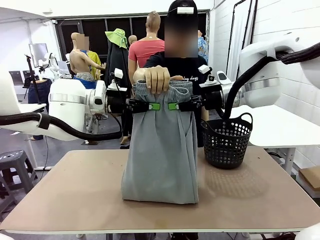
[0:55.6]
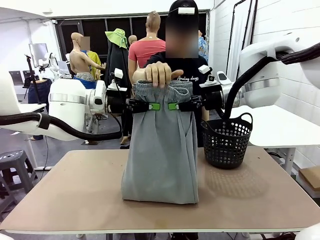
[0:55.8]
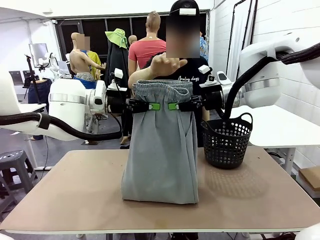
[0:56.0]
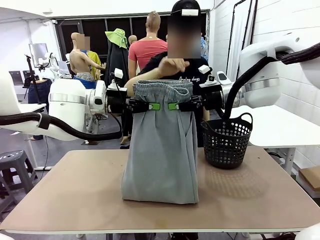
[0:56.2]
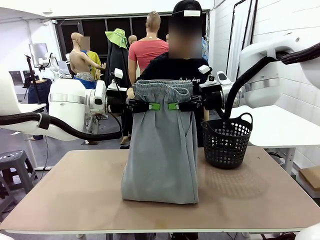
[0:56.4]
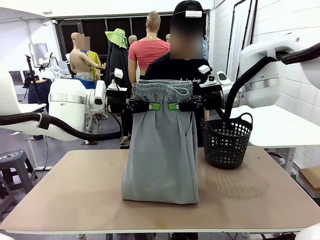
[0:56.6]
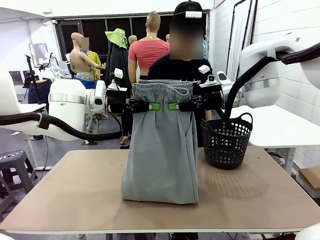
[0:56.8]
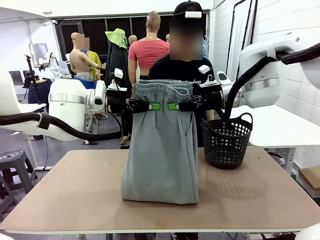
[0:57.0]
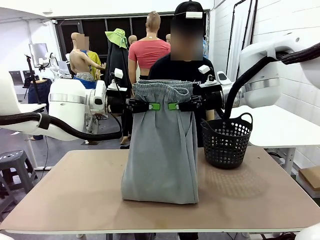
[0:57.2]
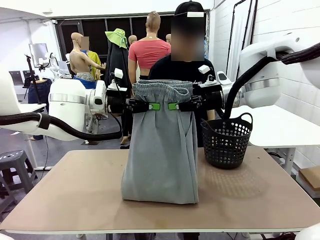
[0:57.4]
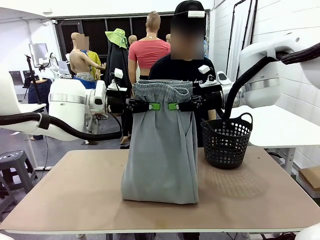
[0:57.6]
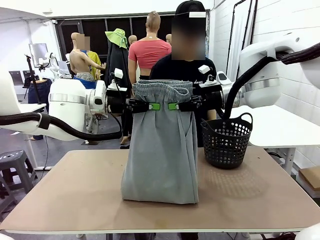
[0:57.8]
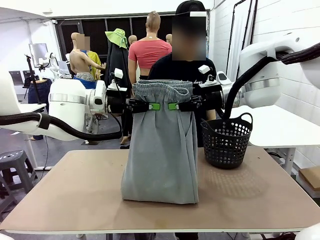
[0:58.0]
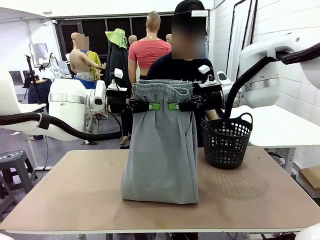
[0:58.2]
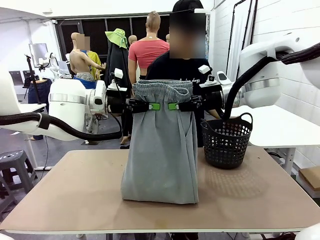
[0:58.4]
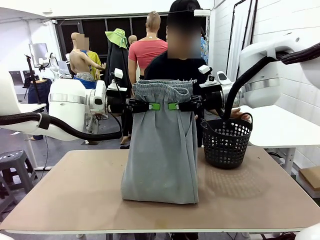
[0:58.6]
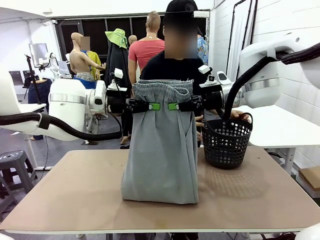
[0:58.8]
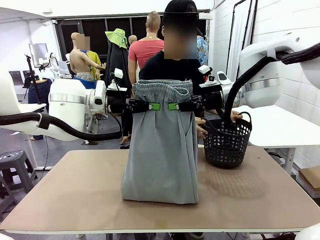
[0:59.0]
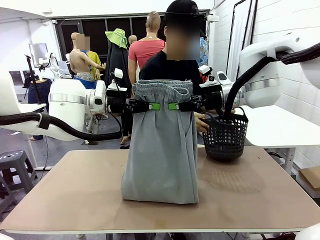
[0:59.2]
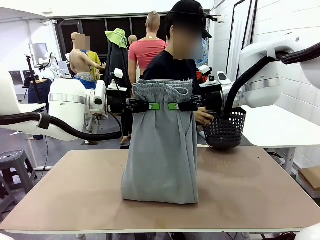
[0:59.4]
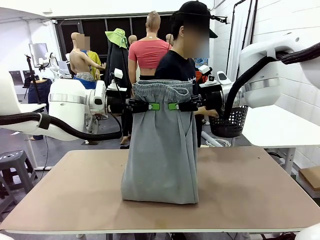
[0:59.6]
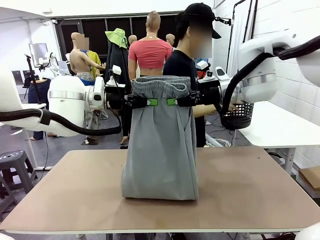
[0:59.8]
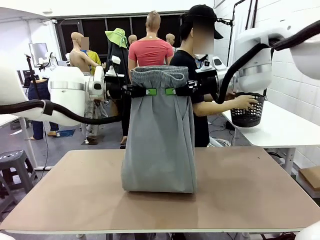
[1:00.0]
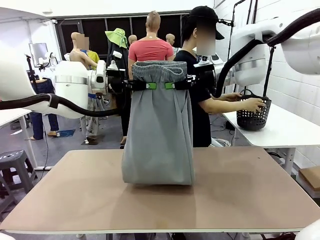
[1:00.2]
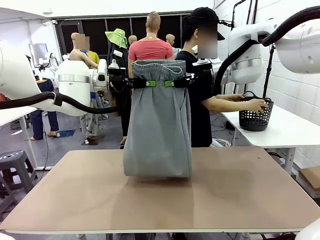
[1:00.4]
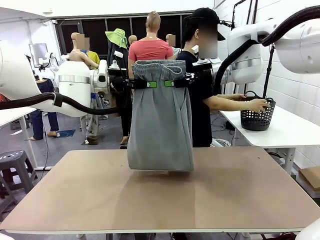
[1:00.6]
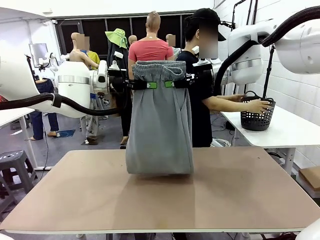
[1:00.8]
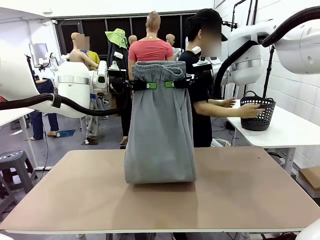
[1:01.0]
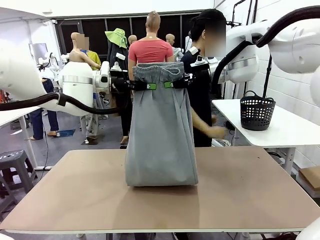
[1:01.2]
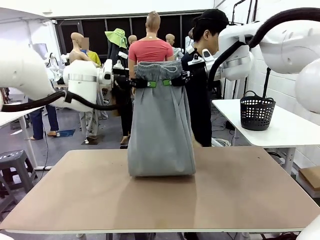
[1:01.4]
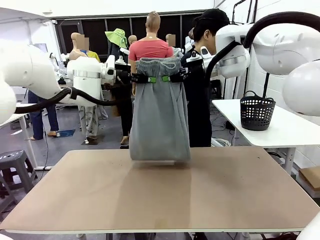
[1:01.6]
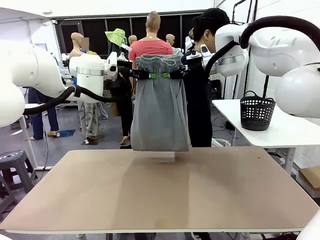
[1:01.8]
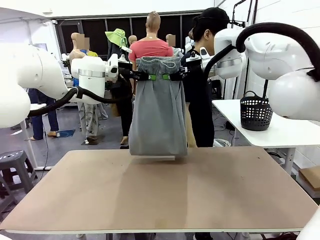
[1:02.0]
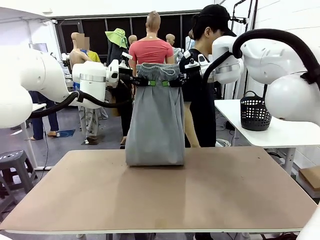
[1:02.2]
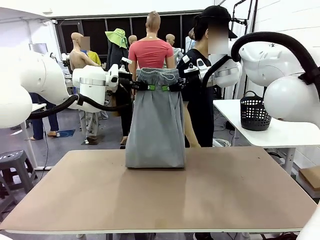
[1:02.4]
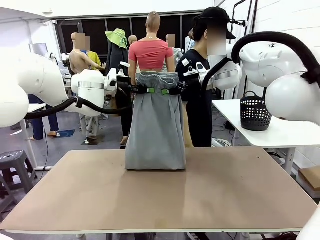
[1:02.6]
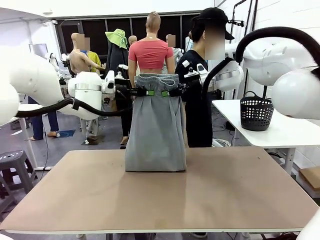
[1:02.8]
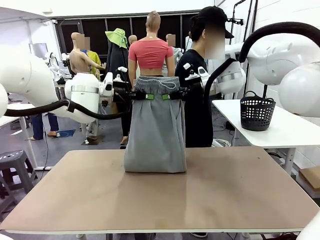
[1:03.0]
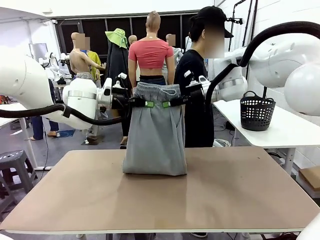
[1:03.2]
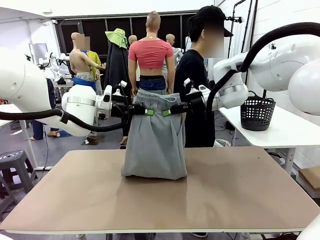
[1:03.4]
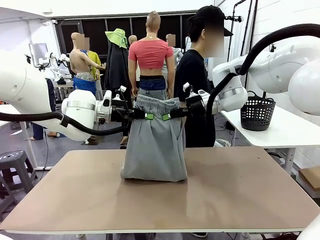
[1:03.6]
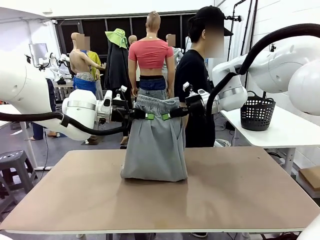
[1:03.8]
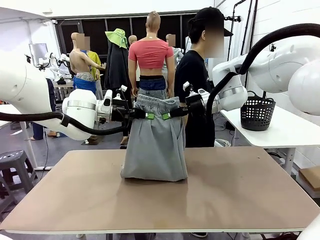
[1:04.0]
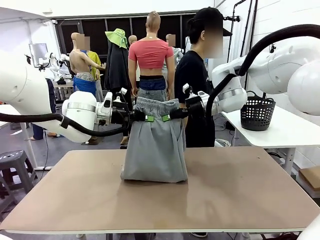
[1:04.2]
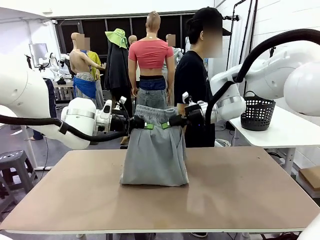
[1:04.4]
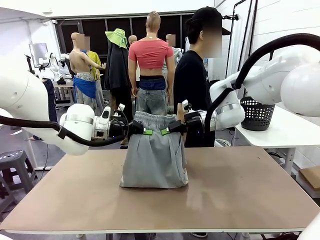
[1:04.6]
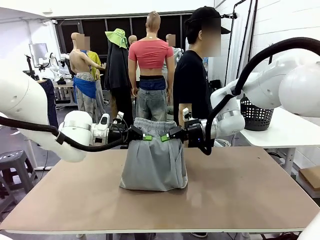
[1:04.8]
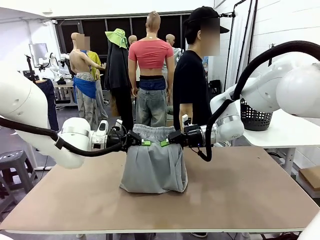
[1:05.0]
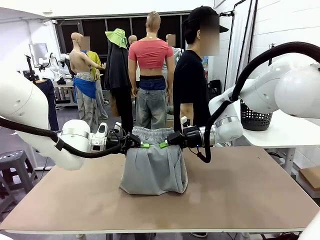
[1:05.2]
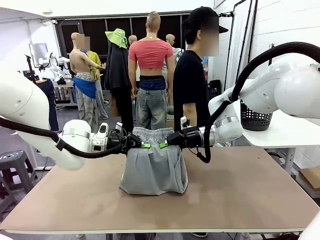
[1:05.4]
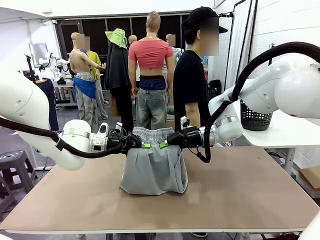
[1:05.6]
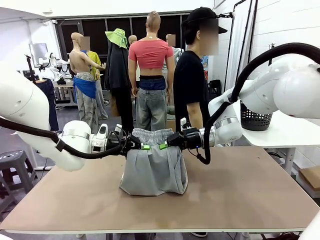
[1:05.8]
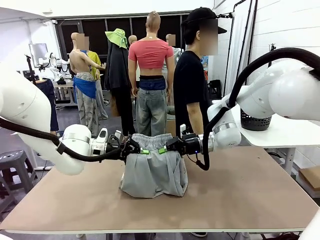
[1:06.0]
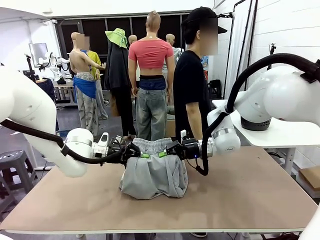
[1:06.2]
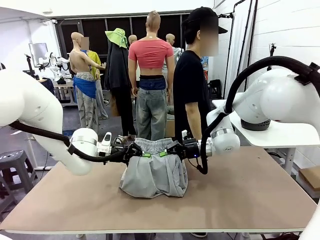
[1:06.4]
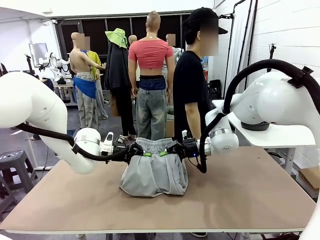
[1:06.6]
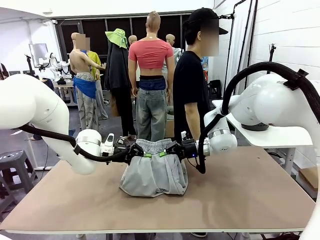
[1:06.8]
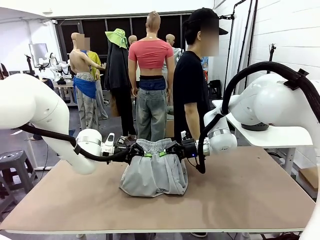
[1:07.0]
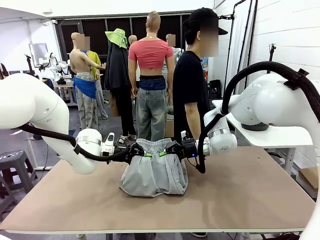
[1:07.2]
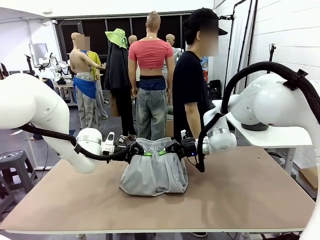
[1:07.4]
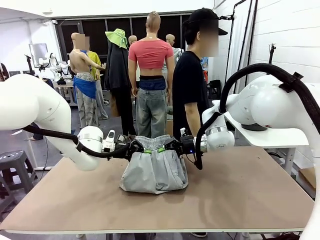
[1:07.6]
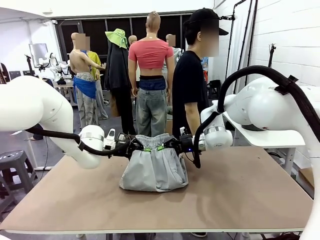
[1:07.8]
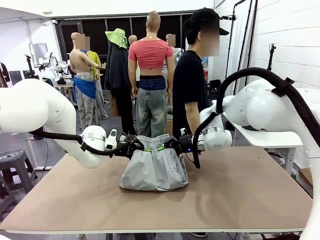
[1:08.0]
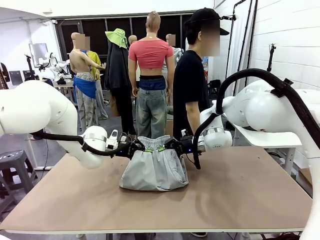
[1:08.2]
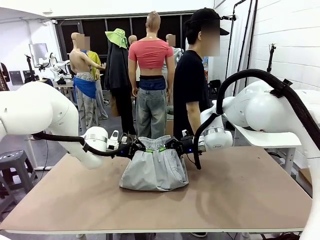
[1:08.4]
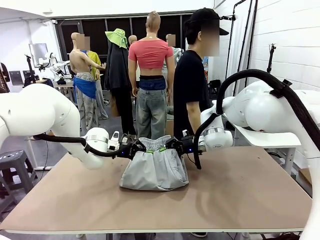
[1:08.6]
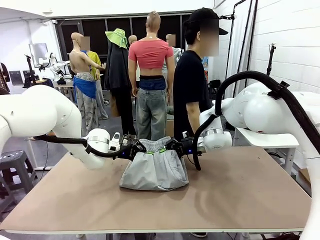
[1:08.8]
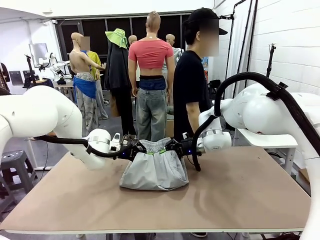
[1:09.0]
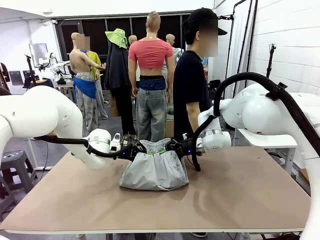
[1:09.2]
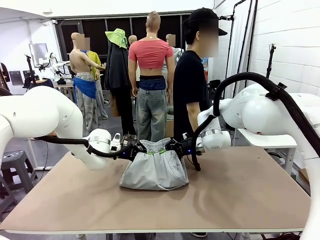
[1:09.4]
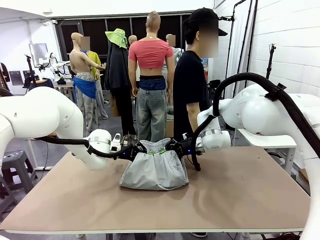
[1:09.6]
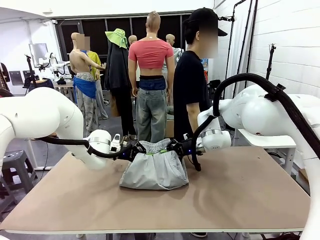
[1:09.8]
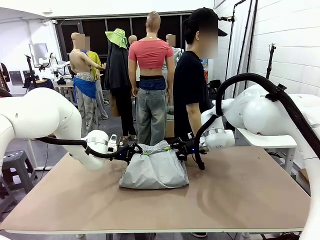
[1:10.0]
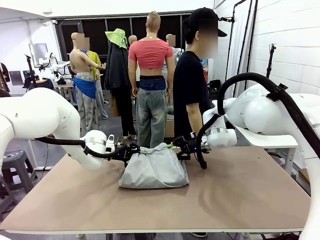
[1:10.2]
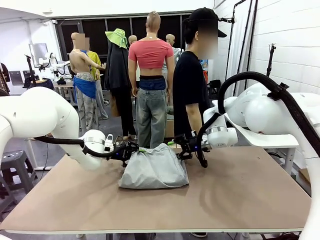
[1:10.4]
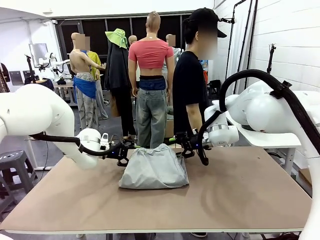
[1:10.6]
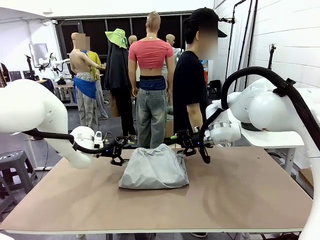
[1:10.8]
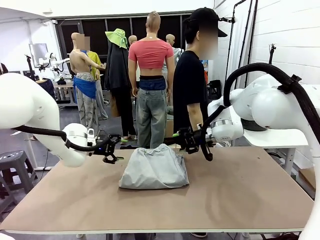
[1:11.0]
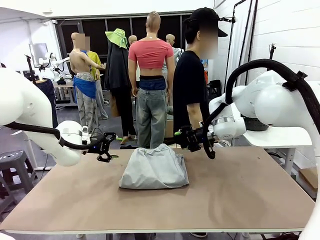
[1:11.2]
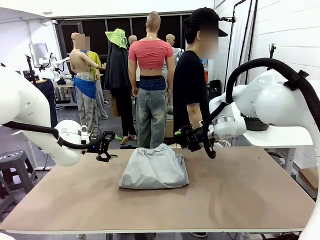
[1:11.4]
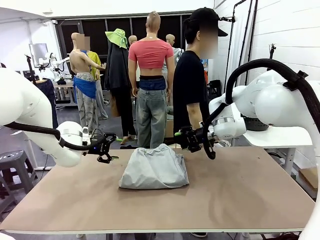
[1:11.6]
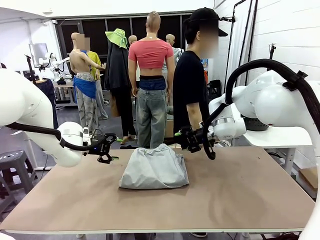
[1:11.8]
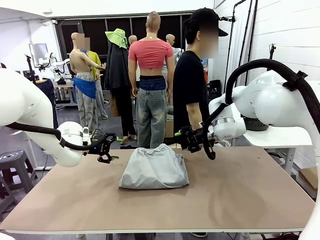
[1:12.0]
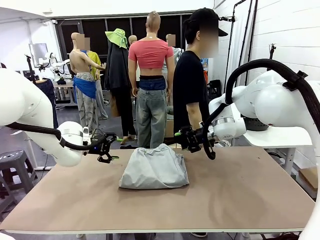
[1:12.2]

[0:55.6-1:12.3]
Task: Fold the training pants.
Robot: Fold the Training pants in half.
Person: Move the laundry basket to the right of the human table.

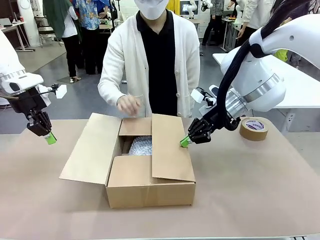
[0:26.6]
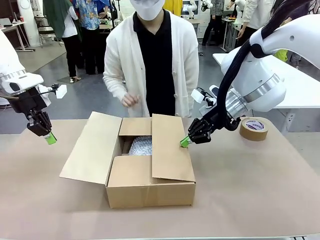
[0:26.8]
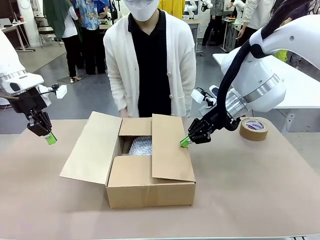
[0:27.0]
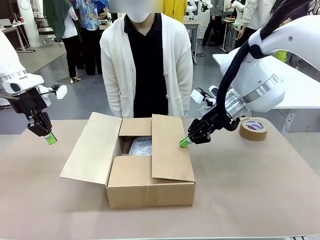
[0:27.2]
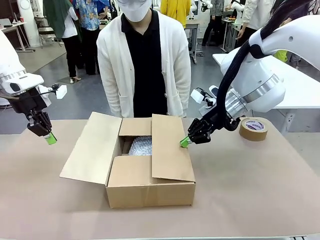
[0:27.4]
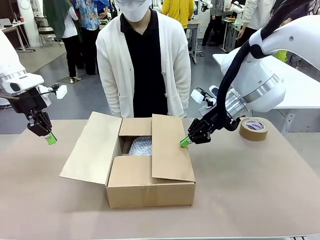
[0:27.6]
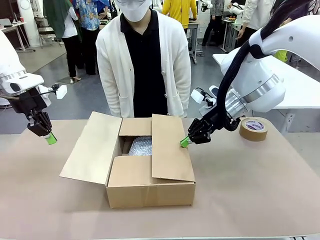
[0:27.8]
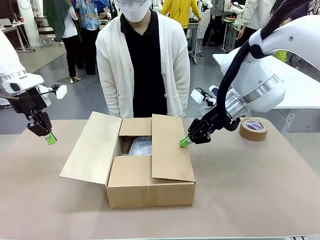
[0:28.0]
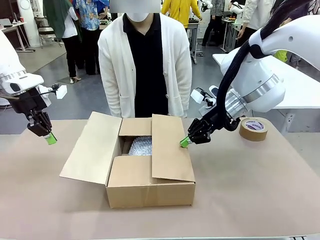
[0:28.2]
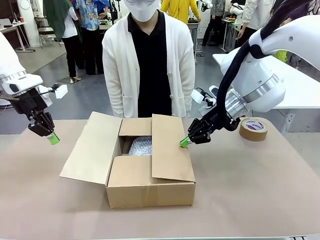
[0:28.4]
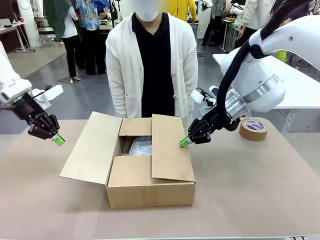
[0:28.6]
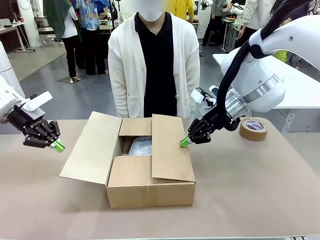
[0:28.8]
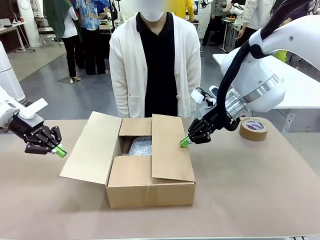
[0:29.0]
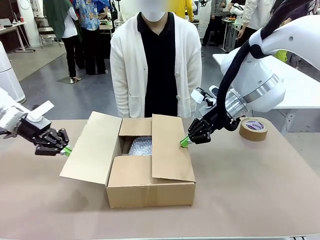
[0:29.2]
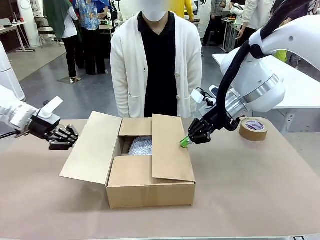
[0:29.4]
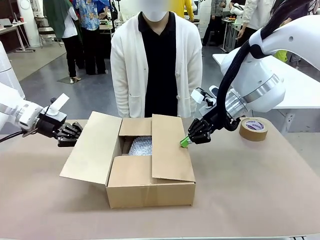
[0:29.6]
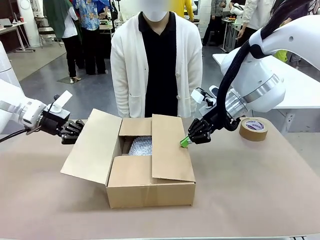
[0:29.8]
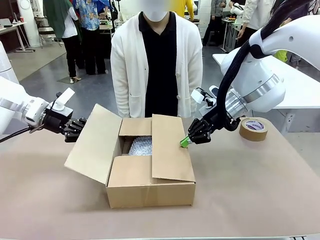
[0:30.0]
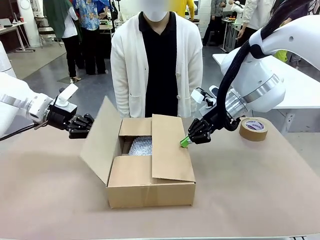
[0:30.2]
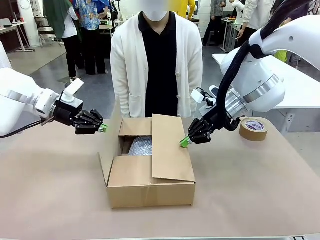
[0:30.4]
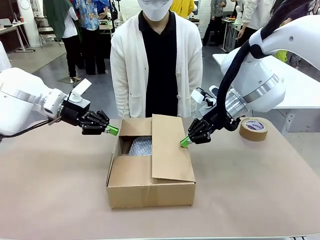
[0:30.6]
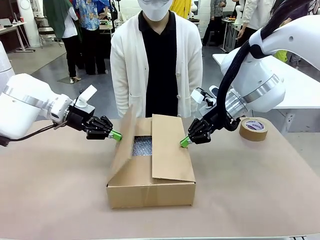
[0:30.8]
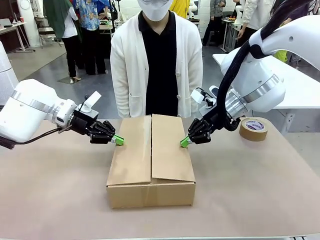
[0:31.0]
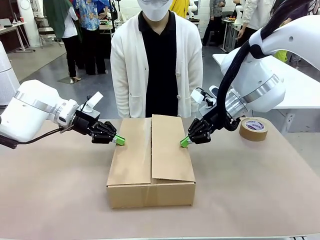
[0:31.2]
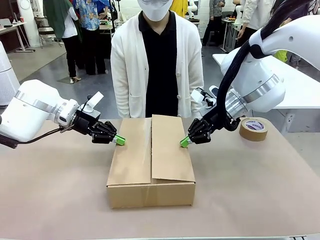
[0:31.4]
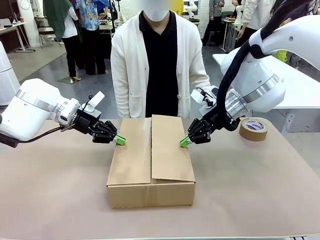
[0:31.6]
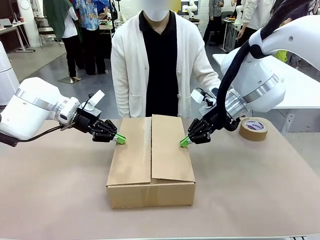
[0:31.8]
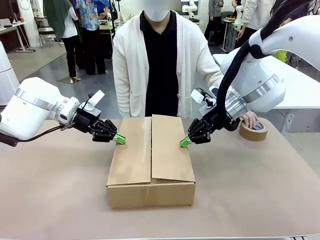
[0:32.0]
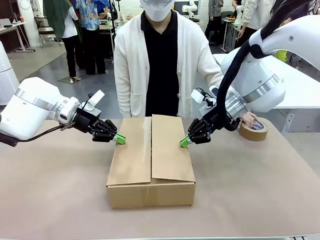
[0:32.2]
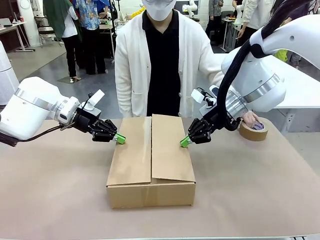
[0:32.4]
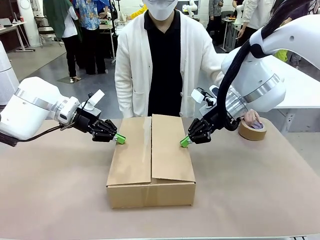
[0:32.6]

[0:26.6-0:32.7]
Task: Wrap the clocks to prevent damage.
Robot: Push the left (or right) flap of the Package Box to close it.
